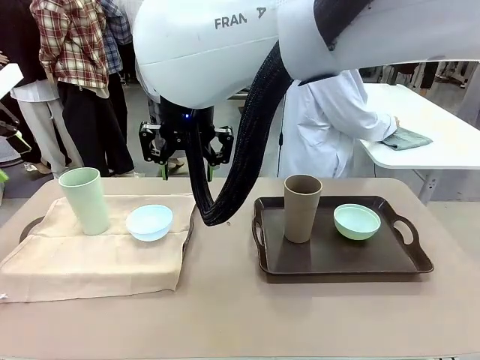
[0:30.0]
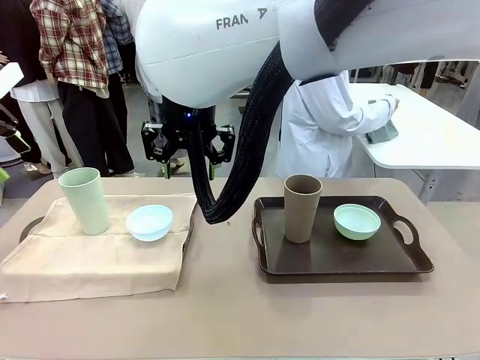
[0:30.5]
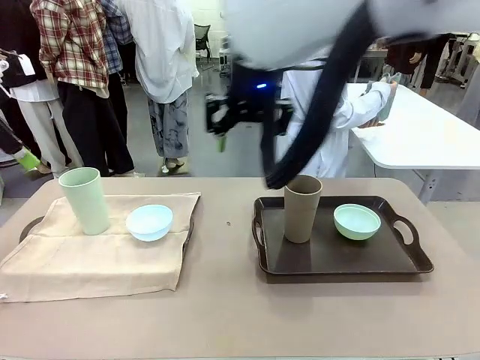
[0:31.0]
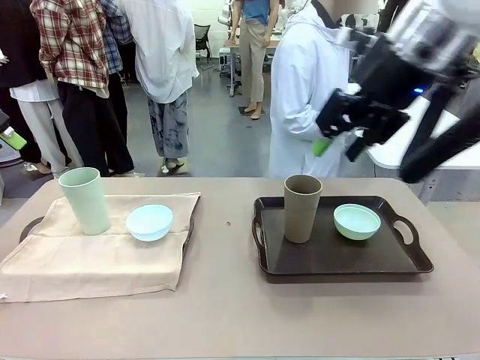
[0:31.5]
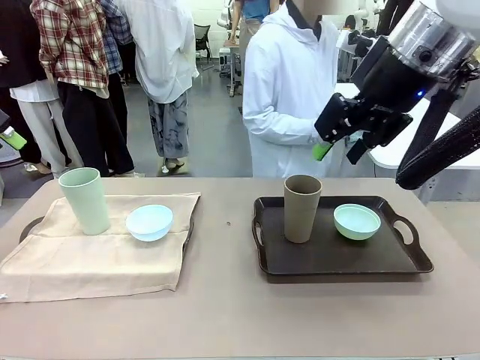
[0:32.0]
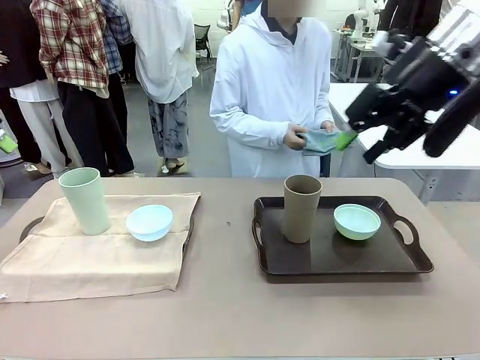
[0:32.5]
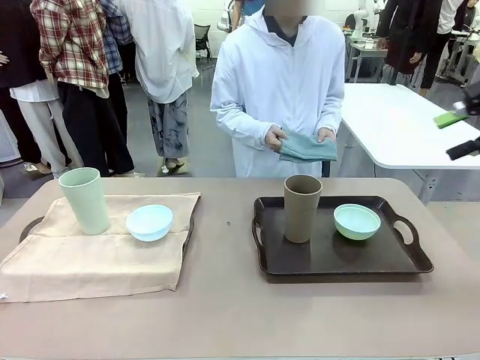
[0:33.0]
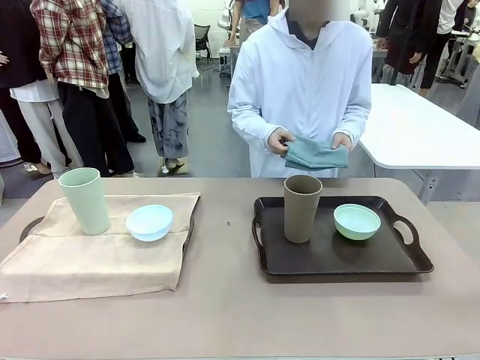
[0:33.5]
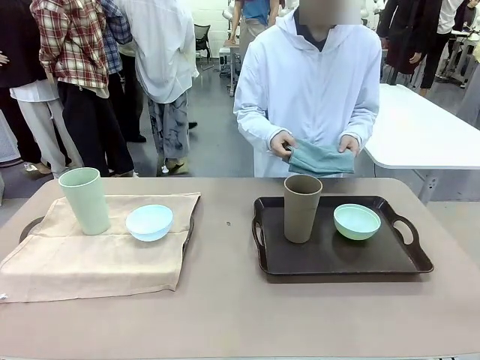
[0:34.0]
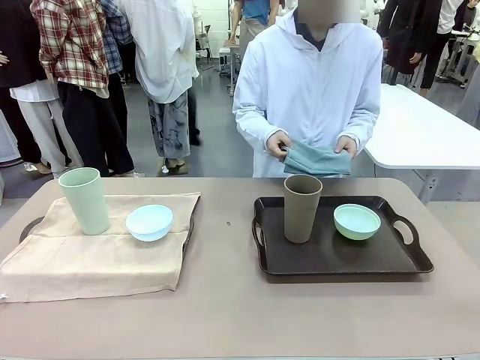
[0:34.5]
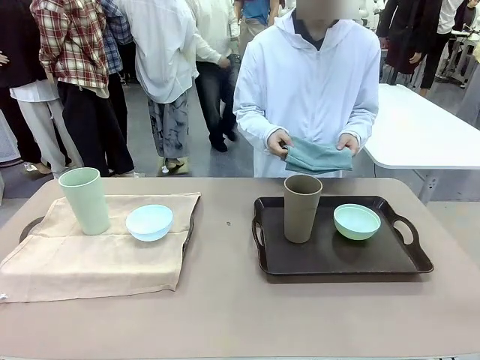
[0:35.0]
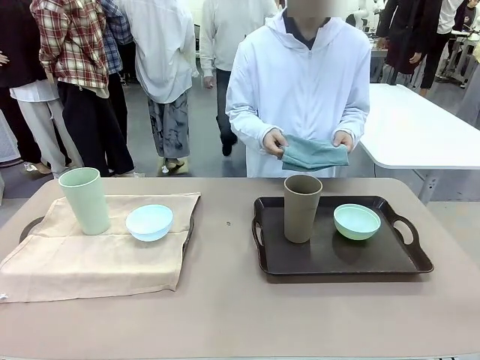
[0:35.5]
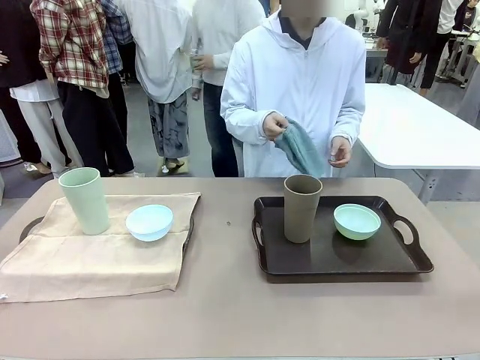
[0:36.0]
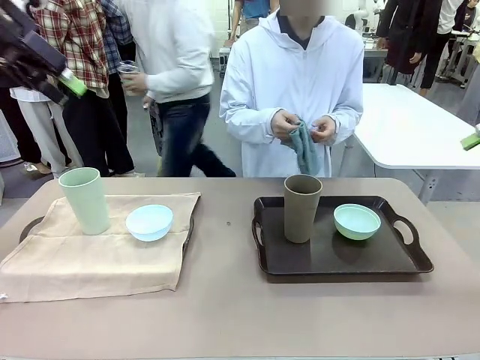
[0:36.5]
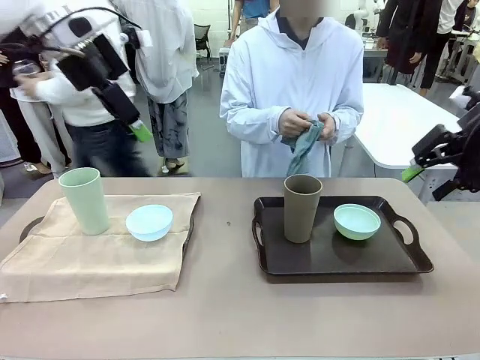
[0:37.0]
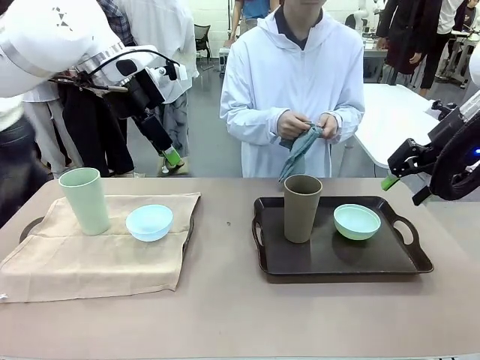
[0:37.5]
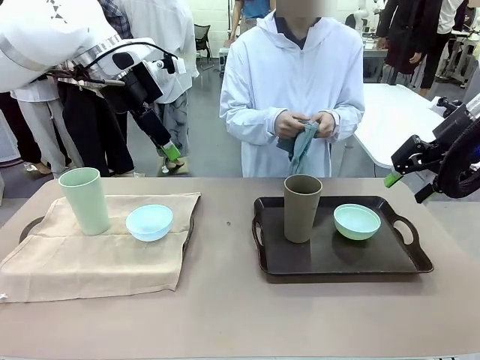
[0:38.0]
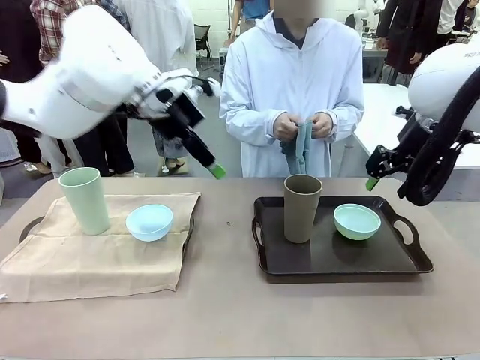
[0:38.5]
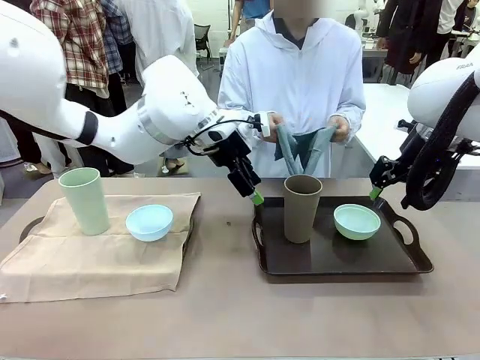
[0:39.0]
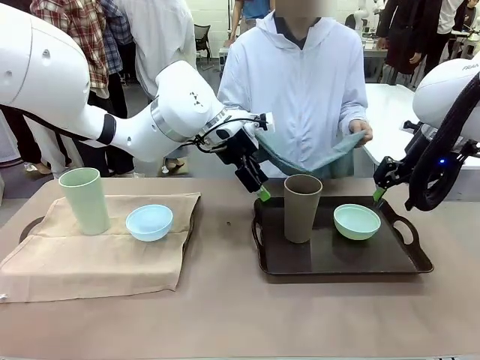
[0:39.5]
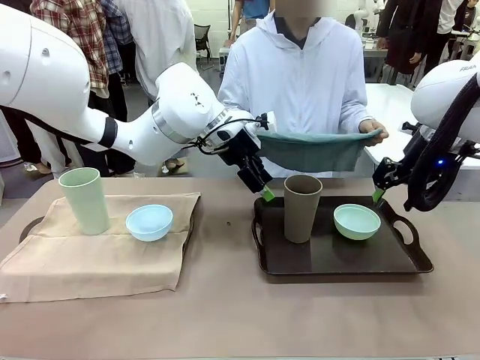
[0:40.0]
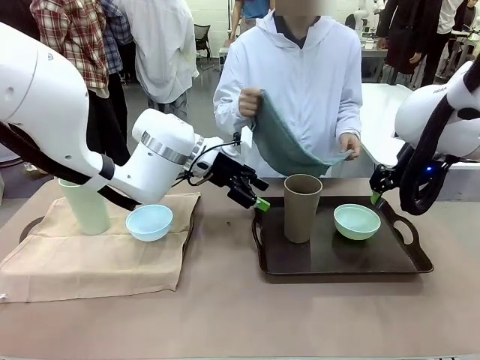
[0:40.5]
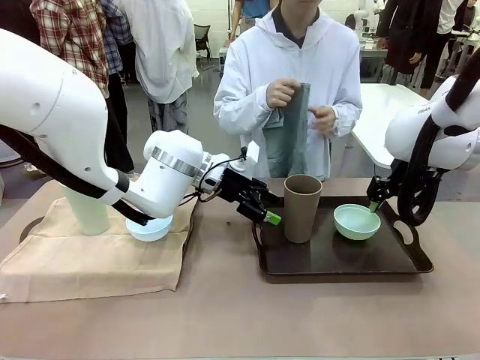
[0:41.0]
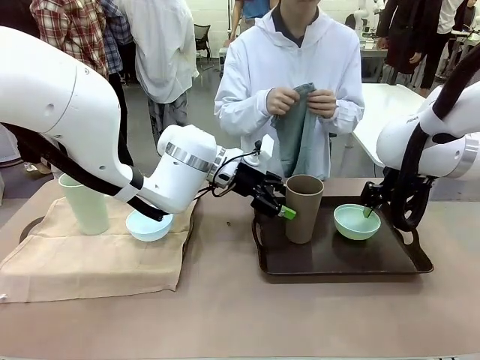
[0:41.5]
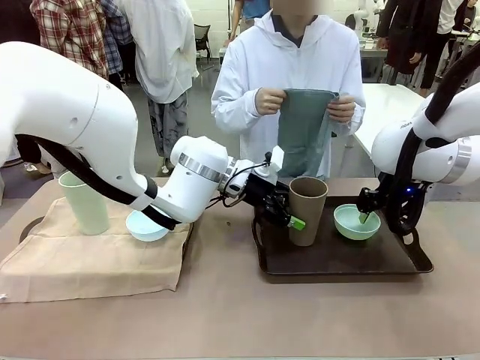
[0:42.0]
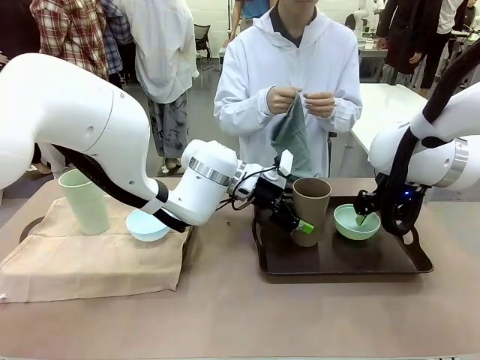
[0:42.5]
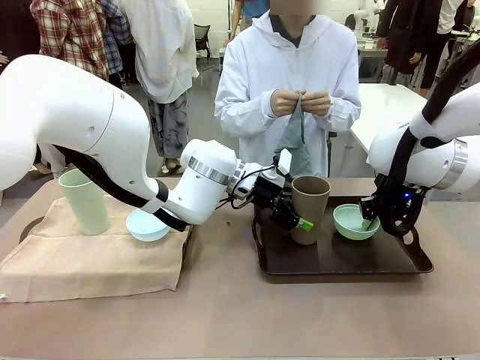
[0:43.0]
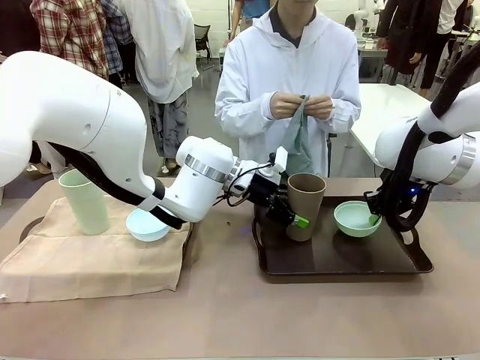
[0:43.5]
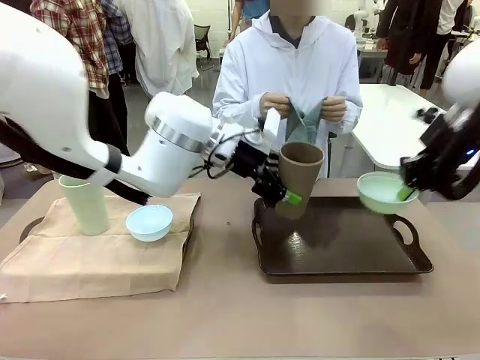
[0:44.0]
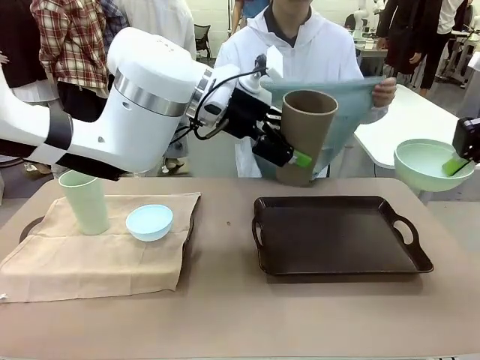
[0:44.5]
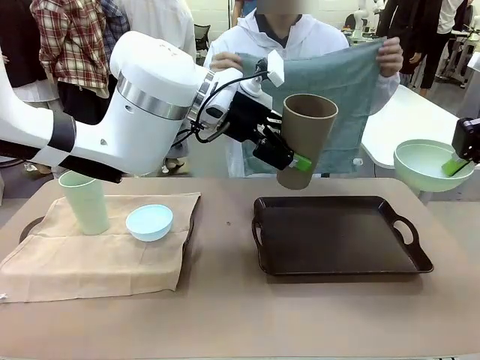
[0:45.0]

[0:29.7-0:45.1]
Robot: Pick up the Picnic Bowl and Reusable plastic cup from the Handle tray in front of the human's position and hold them in the air.

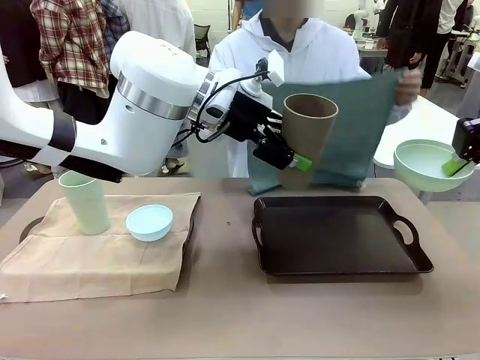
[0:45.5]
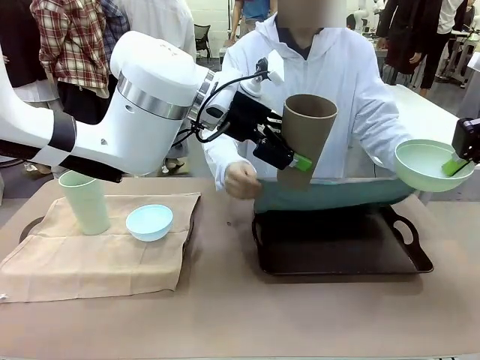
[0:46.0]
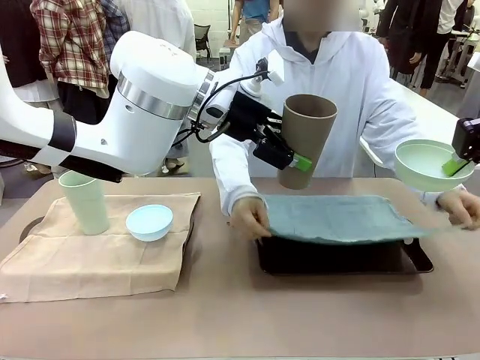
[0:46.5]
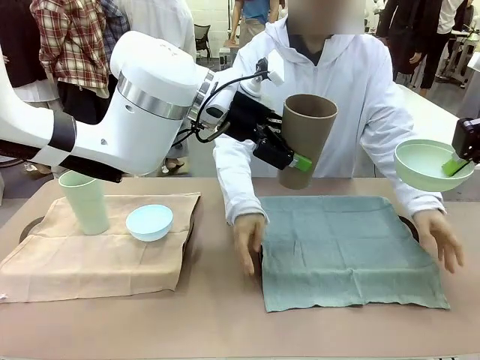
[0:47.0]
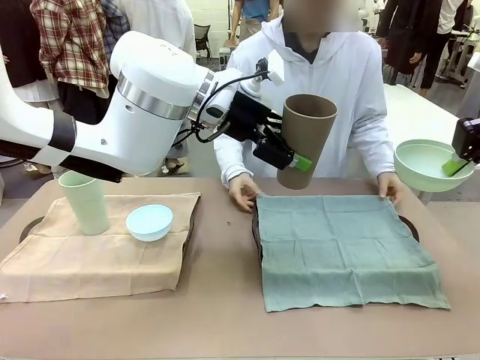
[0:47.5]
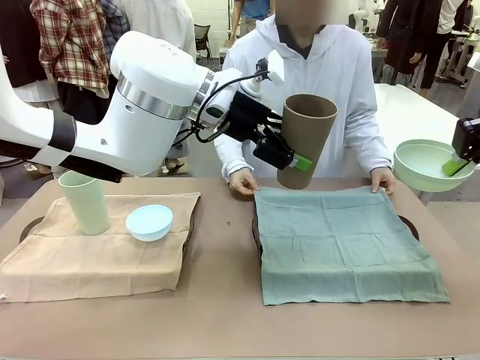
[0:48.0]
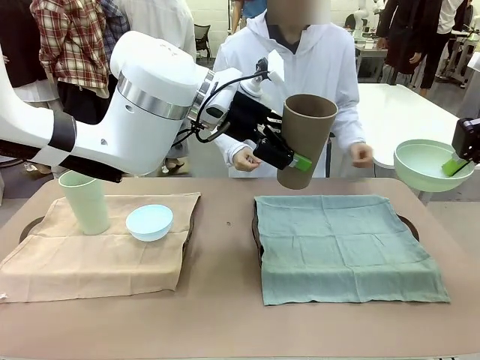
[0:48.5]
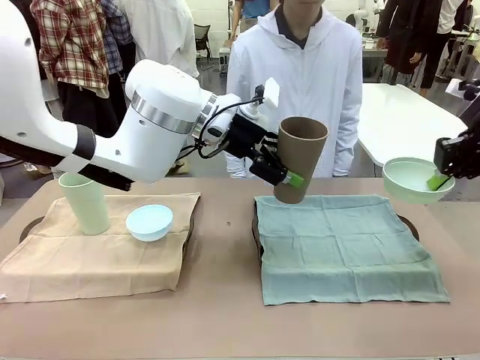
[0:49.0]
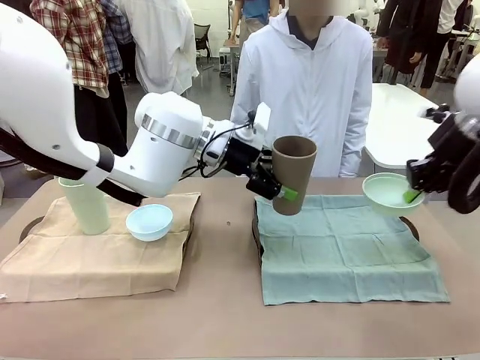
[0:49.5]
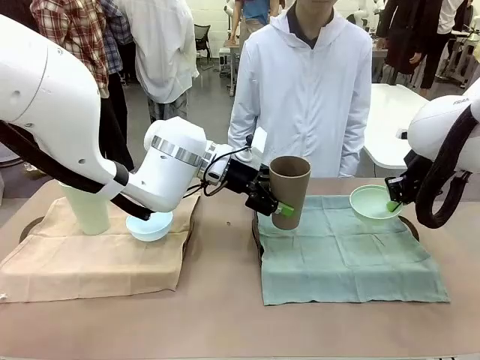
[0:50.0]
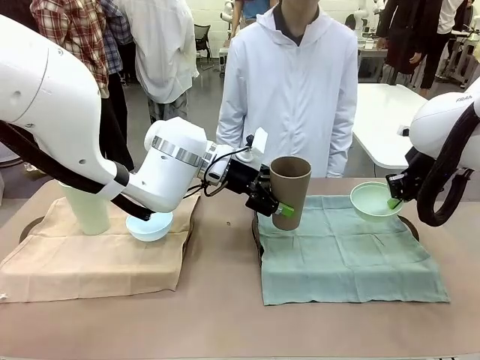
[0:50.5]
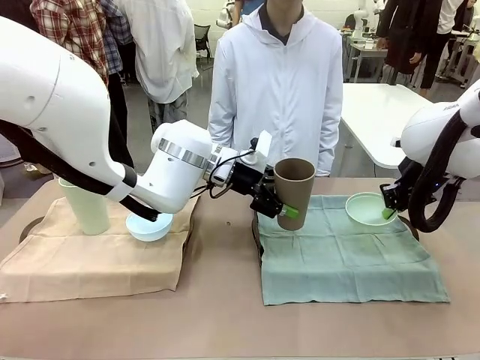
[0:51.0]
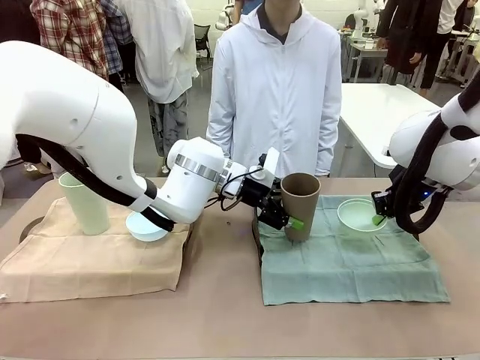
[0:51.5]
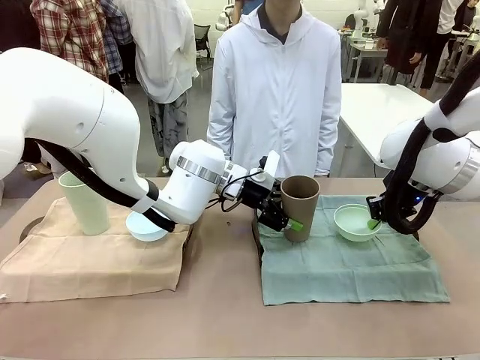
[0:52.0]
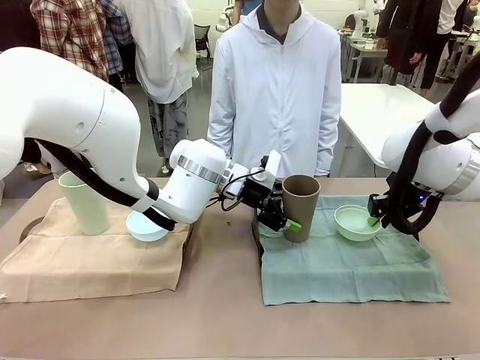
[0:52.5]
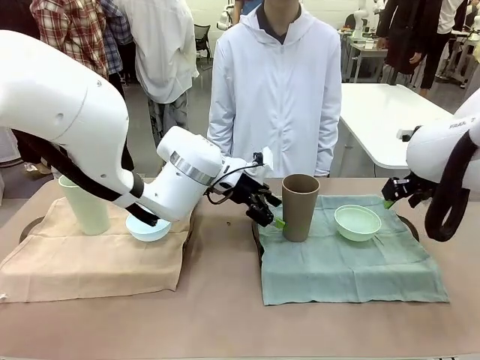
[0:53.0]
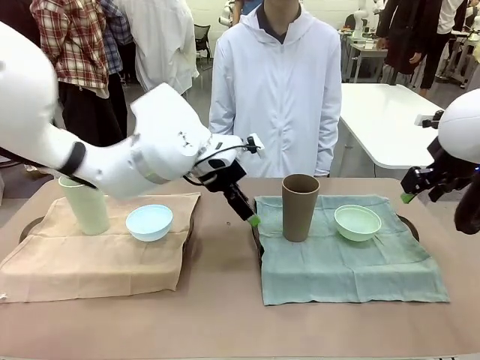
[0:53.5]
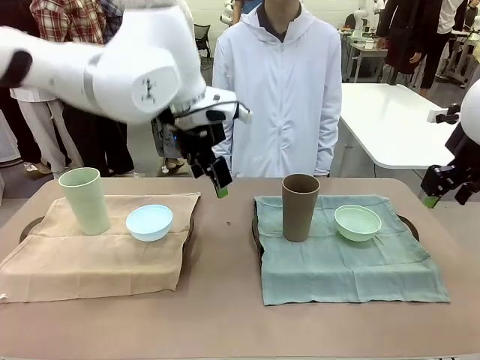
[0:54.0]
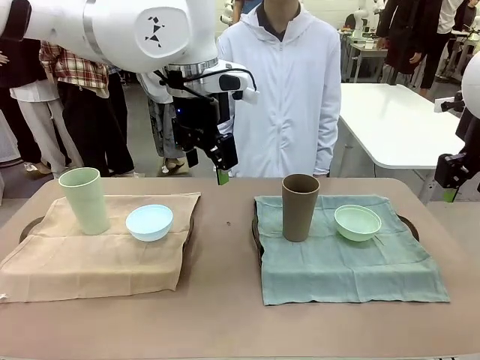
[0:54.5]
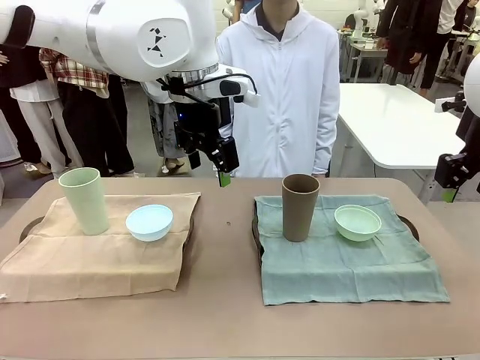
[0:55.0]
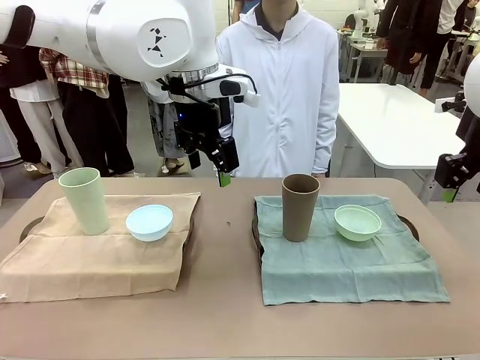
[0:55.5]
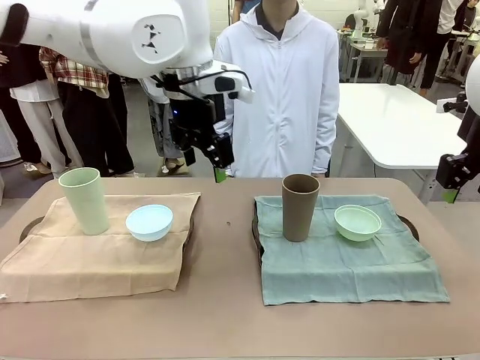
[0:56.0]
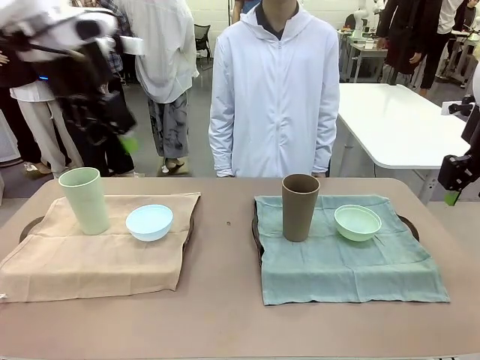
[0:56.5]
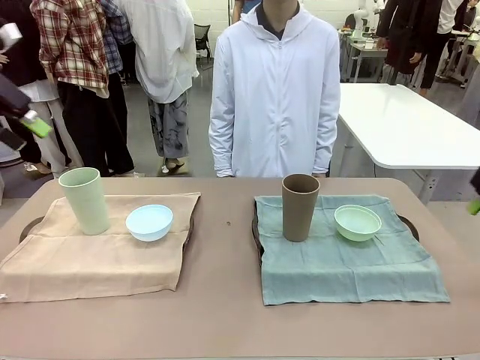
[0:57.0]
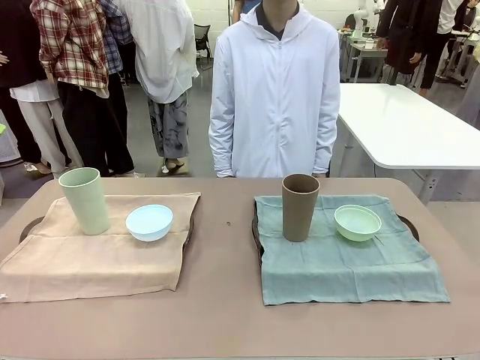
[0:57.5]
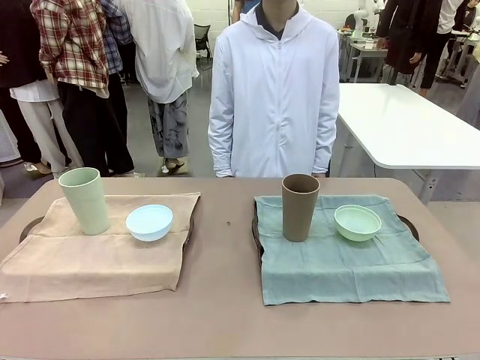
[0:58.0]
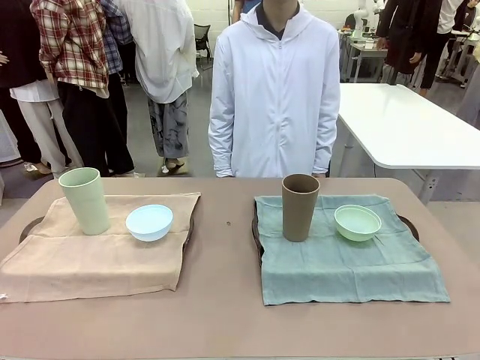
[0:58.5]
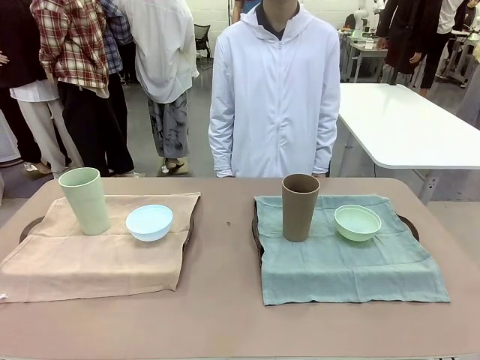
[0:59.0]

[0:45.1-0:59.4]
Robot: Place the Picnic Bowl and Reusable plastic cup back onto the Handle tray in front of the human's position.
Person: When the robot lifts the bowl and the cup, the human unfolds the napkin and lays the napkin flat on the tray.
